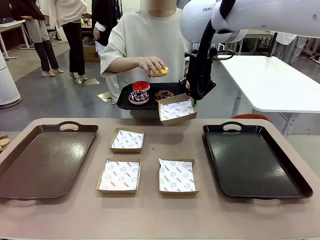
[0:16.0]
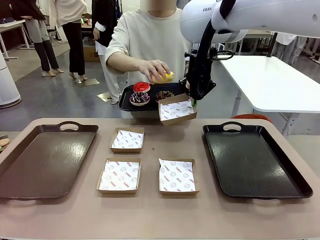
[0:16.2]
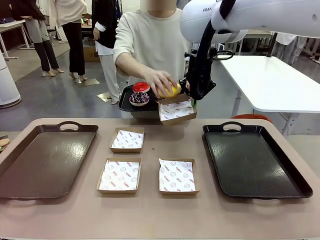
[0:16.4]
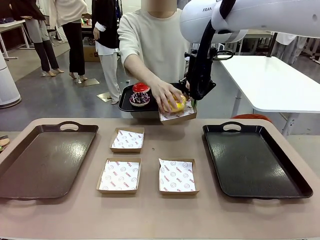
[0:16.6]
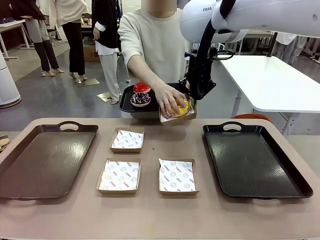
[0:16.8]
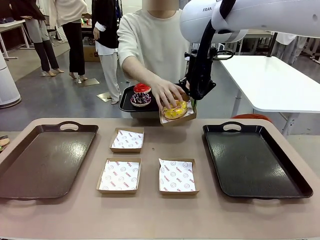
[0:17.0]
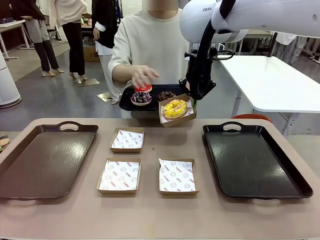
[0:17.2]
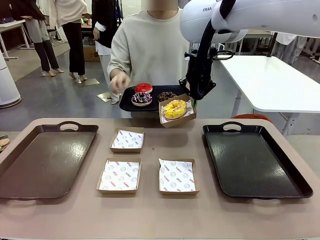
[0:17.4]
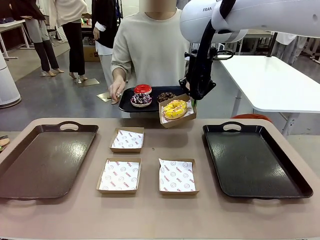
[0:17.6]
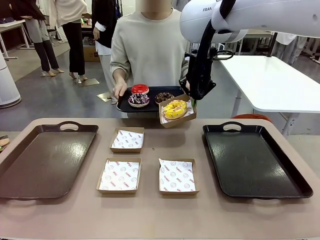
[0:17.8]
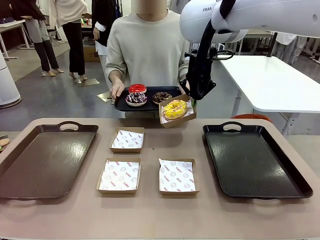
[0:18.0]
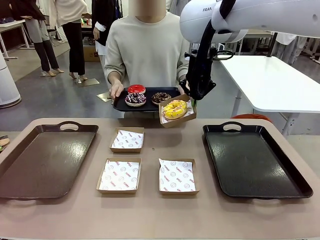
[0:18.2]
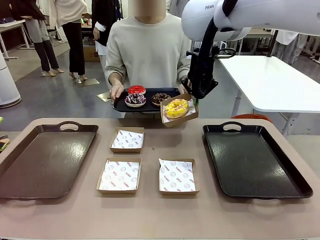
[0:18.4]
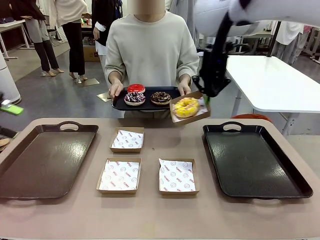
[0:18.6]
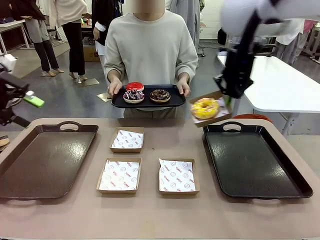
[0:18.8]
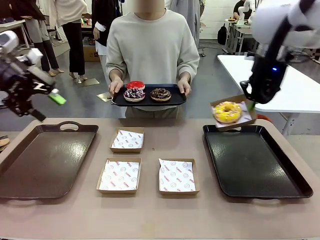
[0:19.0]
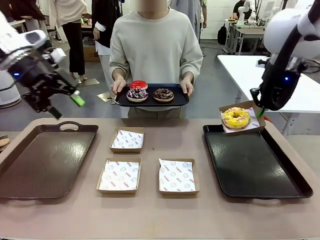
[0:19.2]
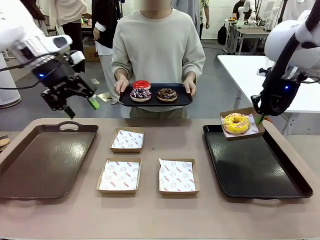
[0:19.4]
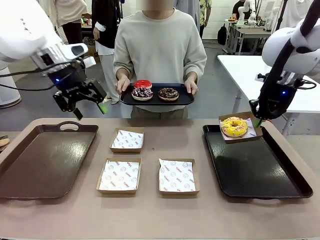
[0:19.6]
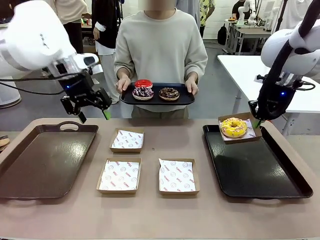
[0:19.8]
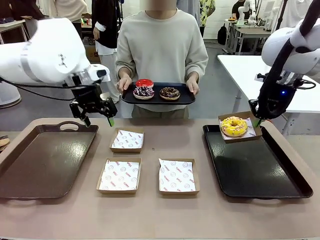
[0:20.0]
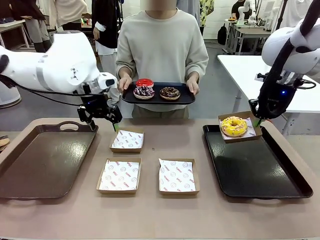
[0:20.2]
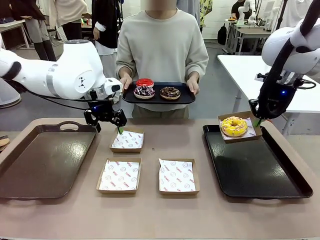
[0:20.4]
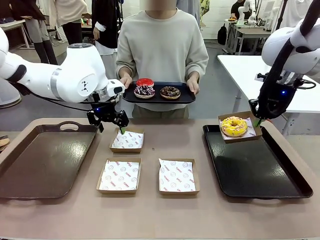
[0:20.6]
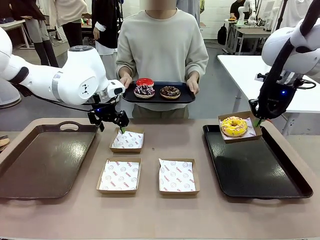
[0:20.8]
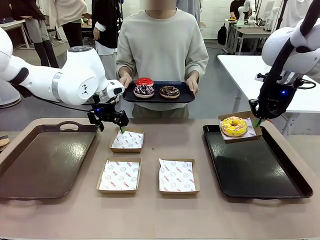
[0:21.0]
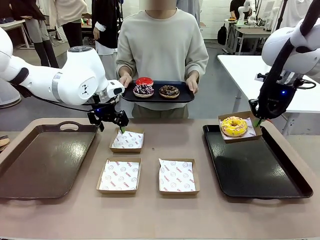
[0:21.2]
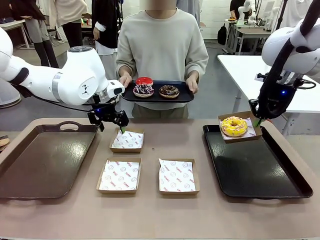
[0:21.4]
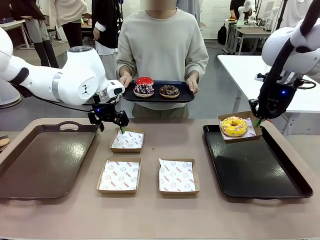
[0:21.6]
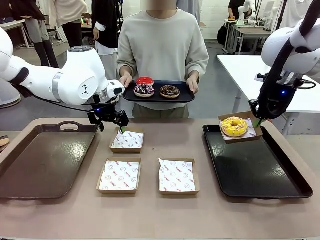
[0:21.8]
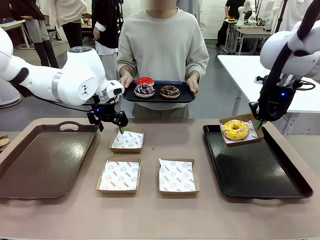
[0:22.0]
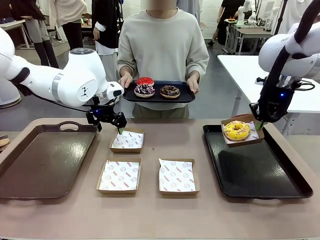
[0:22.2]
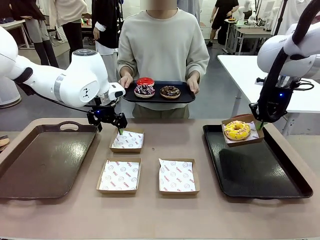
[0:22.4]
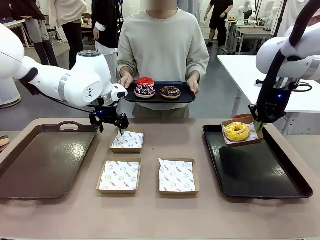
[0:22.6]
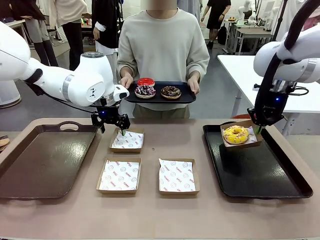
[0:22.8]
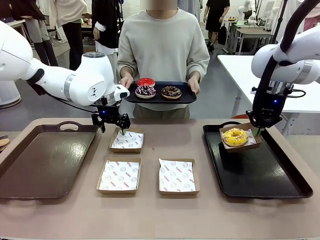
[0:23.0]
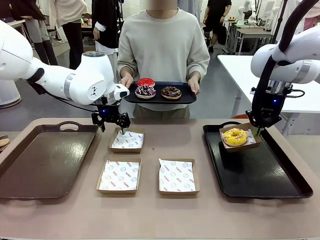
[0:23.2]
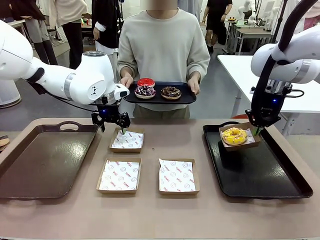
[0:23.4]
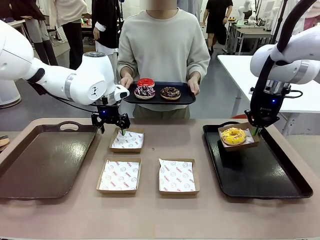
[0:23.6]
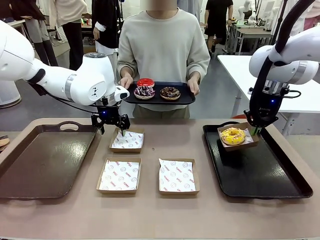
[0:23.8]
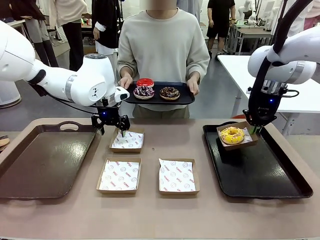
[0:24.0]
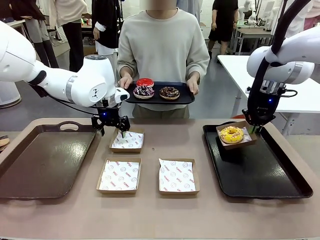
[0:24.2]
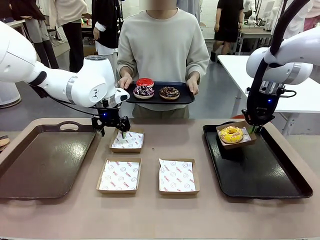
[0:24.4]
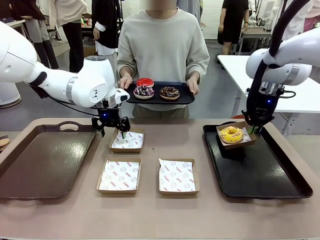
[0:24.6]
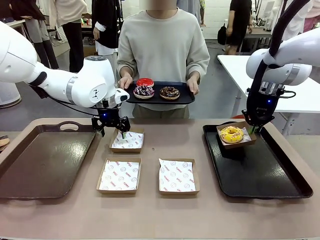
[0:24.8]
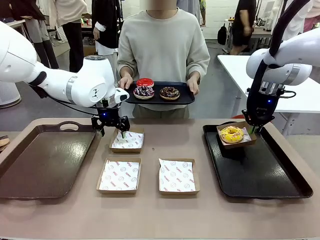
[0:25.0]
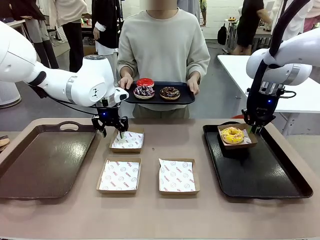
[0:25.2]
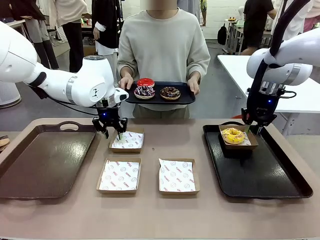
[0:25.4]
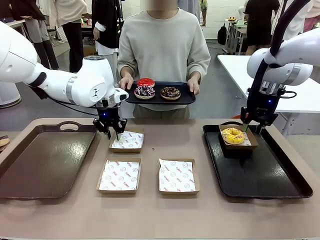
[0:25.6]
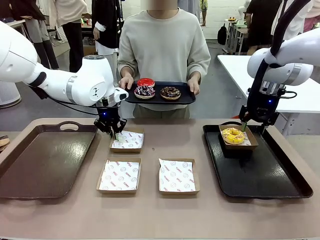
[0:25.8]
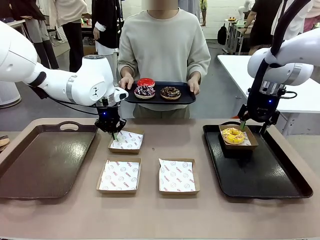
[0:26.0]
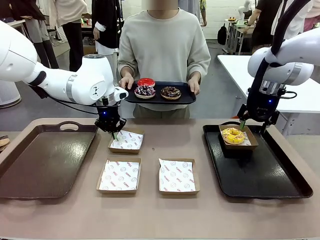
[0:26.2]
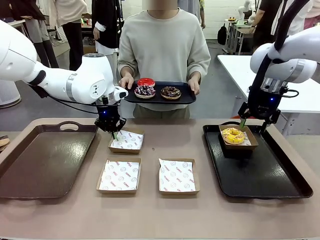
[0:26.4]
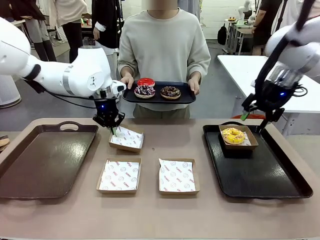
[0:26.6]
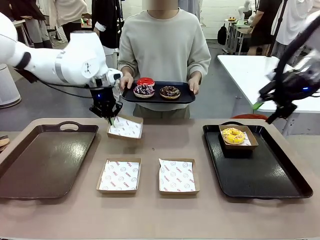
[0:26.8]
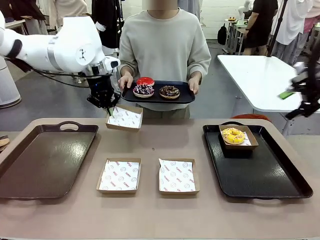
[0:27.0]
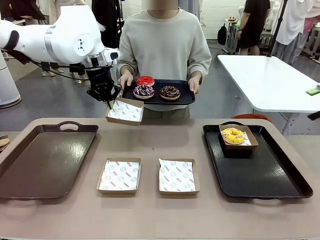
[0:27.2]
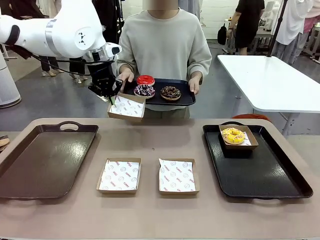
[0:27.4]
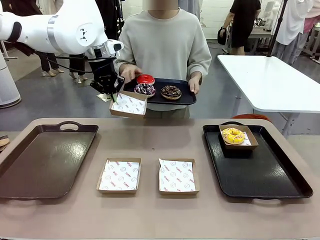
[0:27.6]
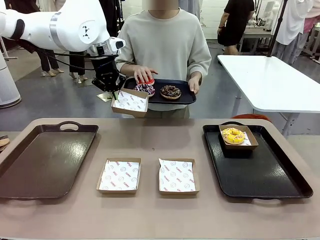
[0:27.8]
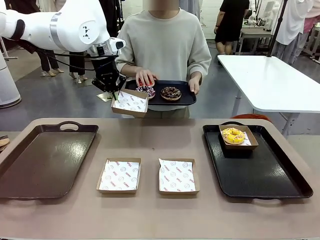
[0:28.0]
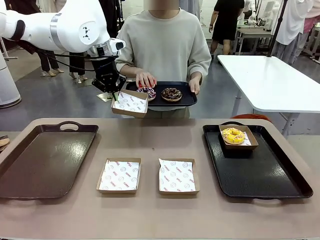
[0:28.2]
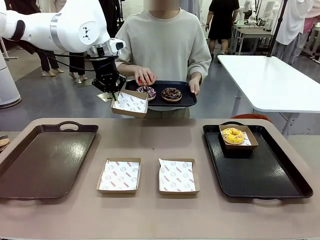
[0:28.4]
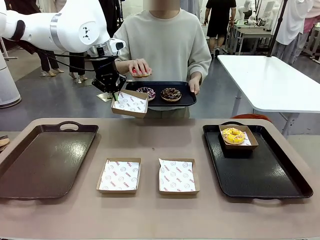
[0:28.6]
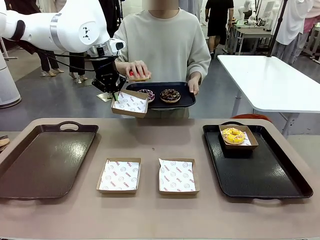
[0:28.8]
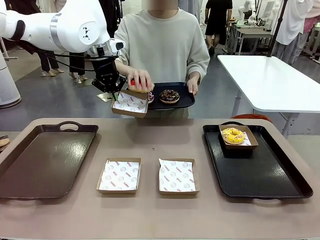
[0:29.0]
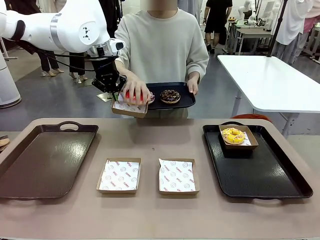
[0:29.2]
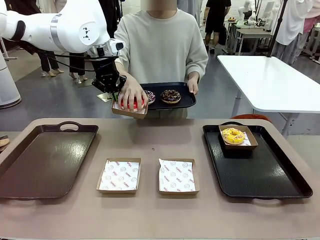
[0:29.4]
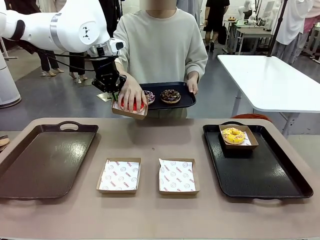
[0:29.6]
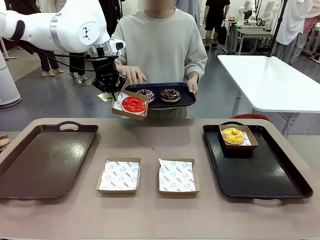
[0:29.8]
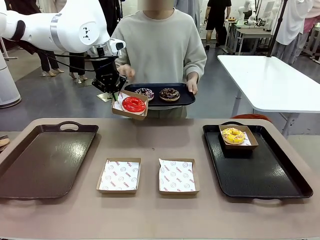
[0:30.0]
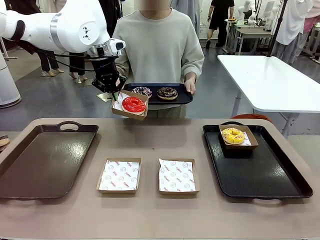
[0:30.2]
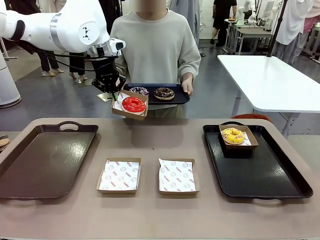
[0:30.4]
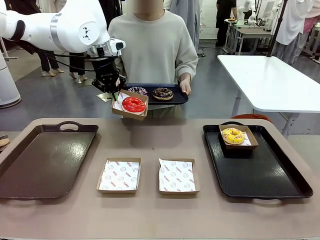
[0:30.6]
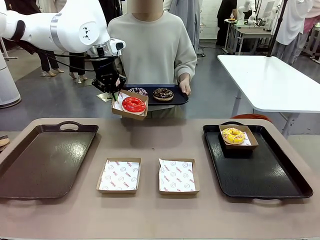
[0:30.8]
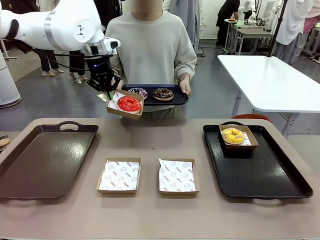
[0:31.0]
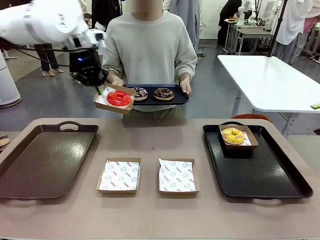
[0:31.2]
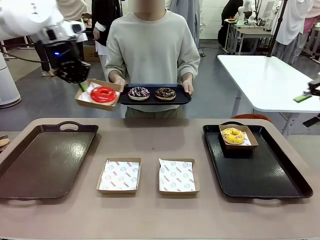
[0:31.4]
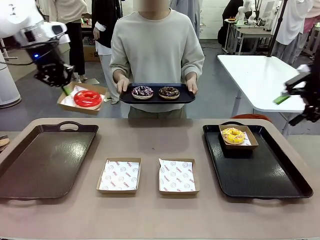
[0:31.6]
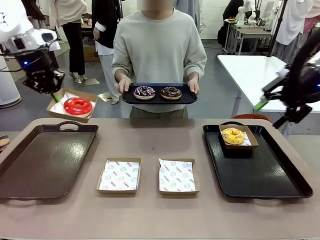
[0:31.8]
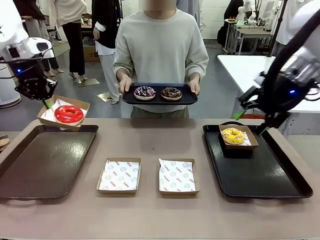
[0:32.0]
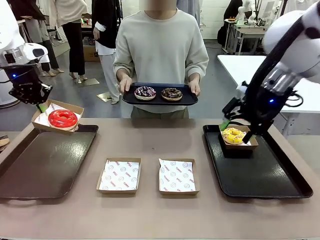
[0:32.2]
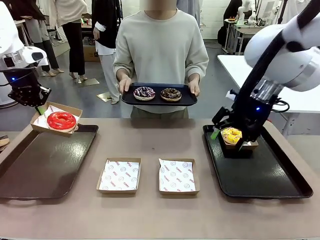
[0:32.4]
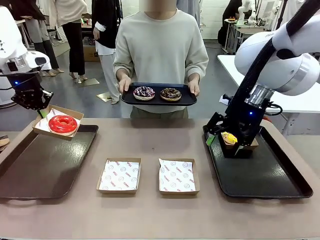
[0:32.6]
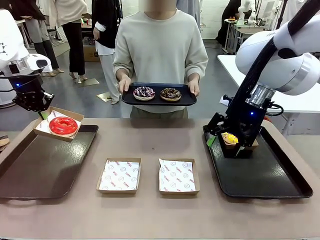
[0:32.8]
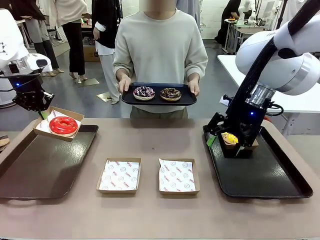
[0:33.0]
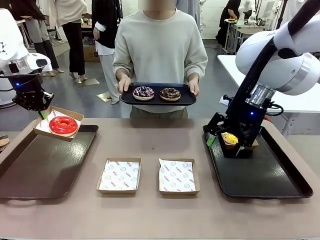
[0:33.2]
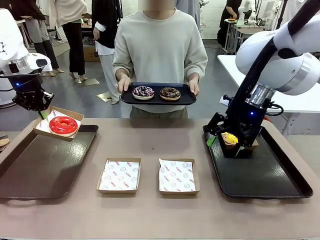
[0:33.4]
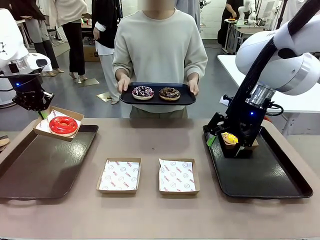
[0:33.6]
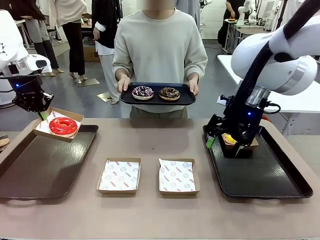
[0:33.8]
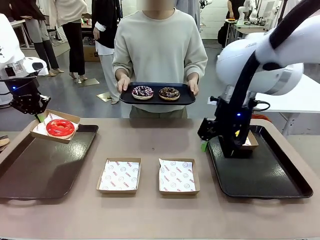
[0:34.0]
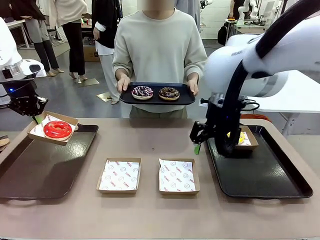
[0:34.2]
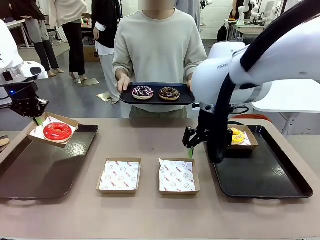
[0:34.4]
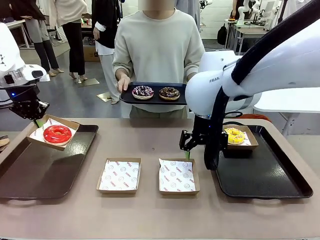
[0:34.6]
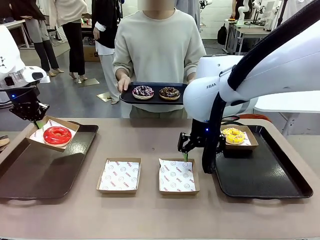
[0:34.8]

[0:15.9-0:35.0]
Task: Individually package the donuts and arrange them on the tray.
Robot: Place the picked Paper togo box on the Handle tray while simultaneously picking up another Paper togo box from the table with the other hand.
